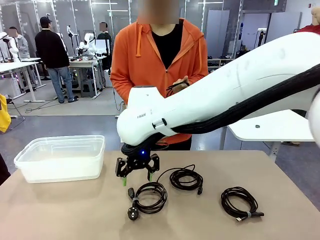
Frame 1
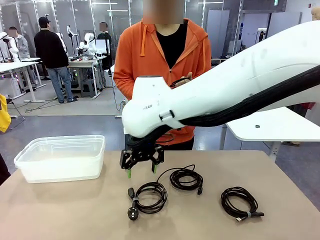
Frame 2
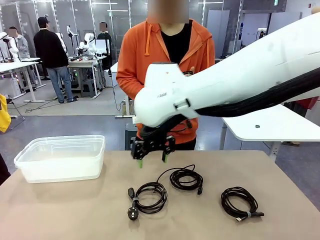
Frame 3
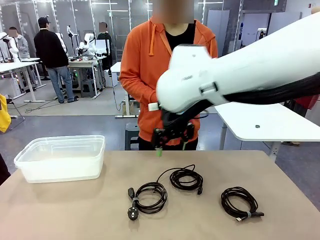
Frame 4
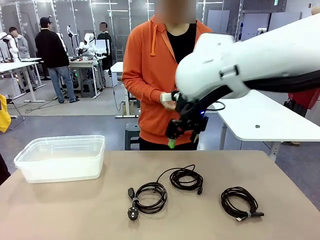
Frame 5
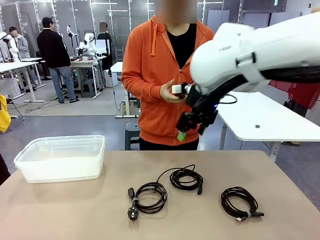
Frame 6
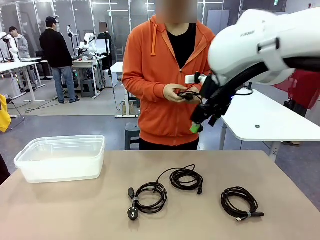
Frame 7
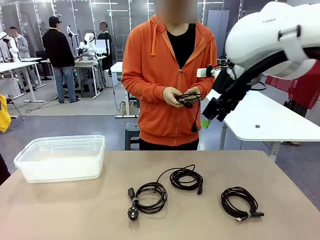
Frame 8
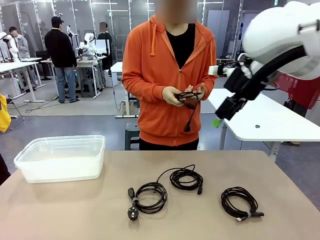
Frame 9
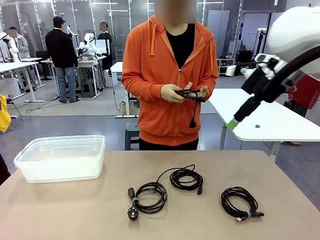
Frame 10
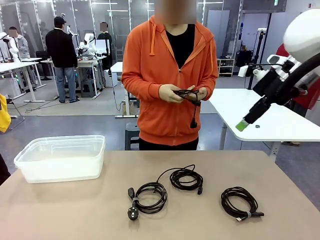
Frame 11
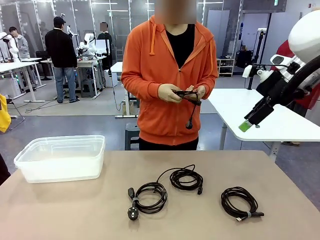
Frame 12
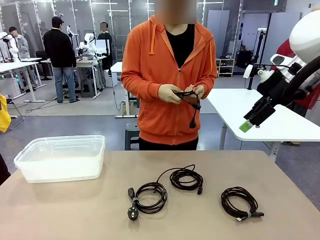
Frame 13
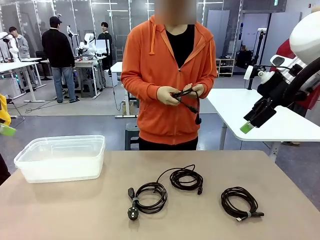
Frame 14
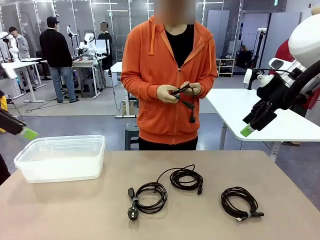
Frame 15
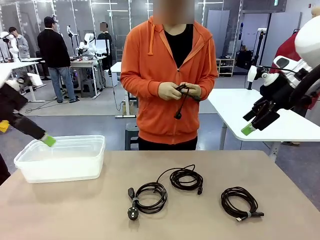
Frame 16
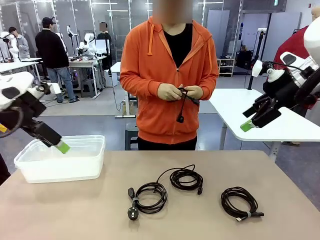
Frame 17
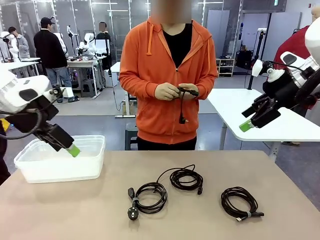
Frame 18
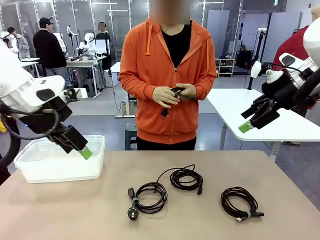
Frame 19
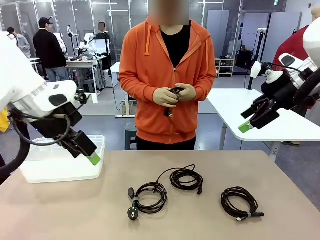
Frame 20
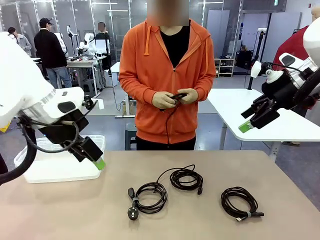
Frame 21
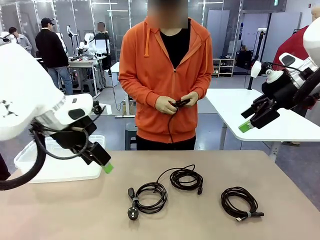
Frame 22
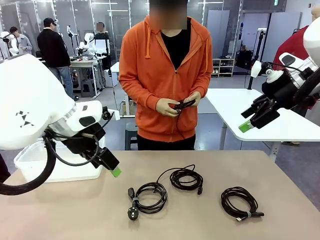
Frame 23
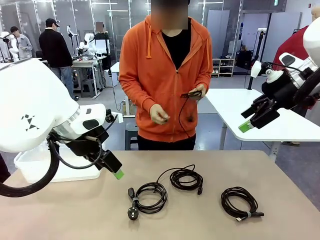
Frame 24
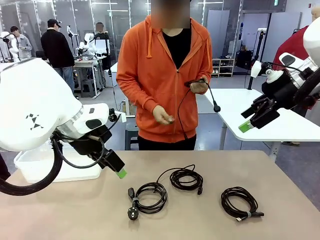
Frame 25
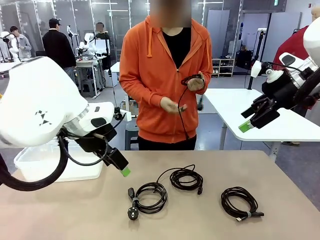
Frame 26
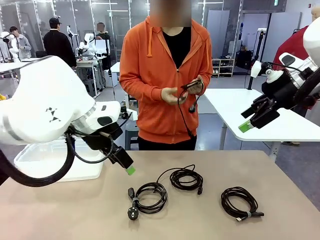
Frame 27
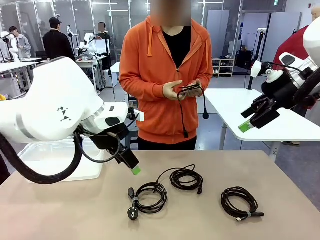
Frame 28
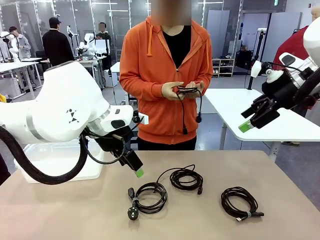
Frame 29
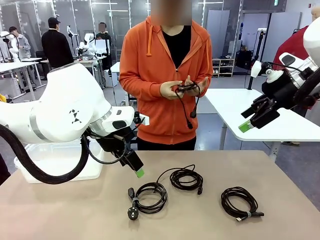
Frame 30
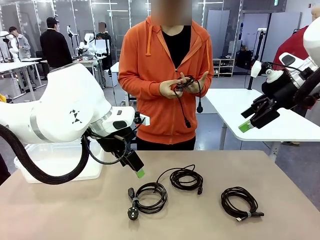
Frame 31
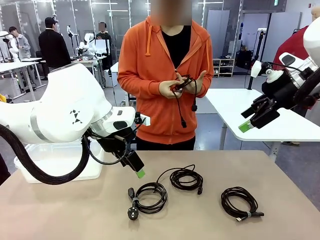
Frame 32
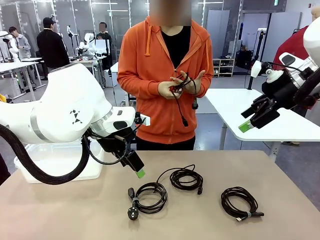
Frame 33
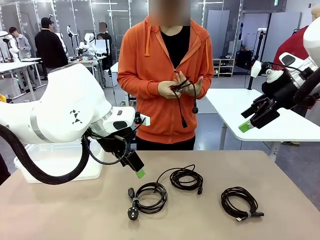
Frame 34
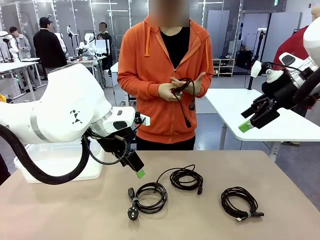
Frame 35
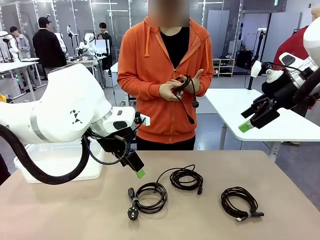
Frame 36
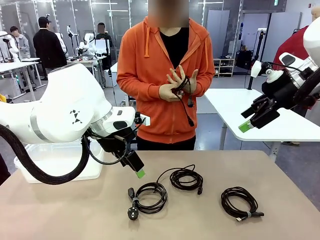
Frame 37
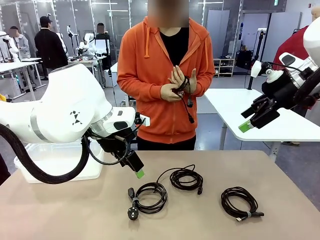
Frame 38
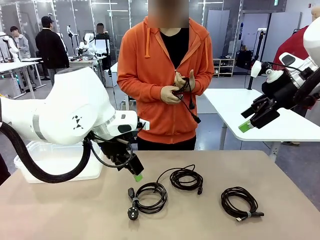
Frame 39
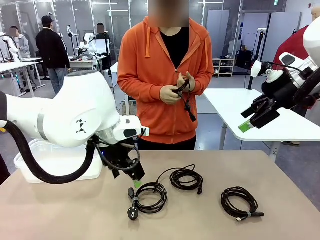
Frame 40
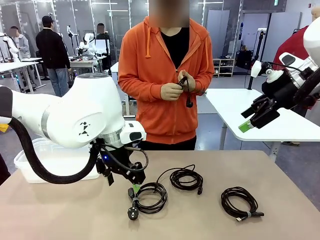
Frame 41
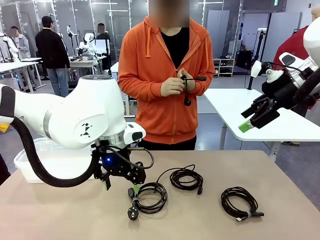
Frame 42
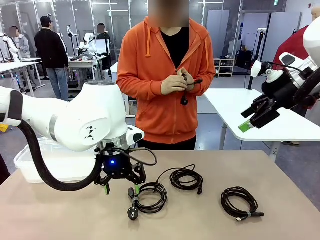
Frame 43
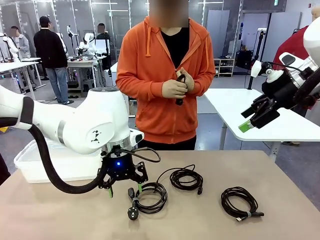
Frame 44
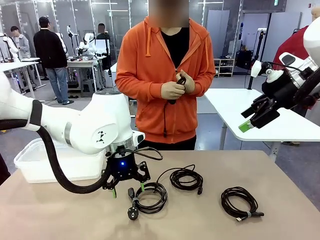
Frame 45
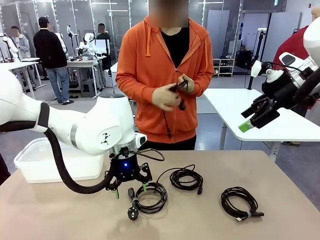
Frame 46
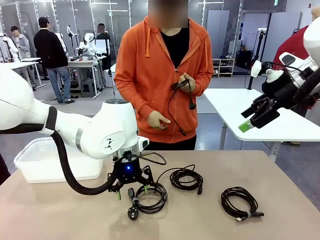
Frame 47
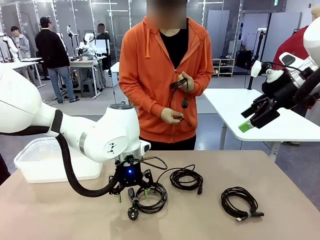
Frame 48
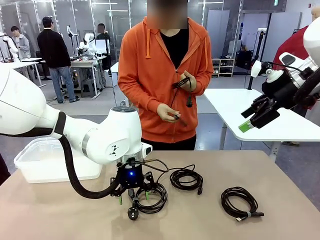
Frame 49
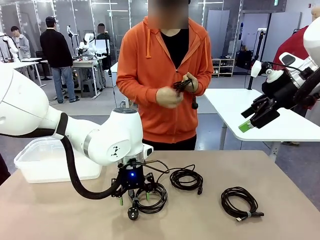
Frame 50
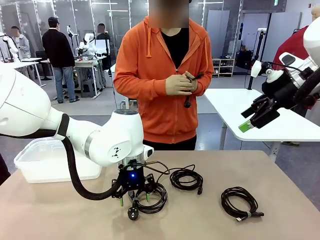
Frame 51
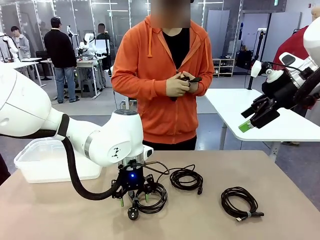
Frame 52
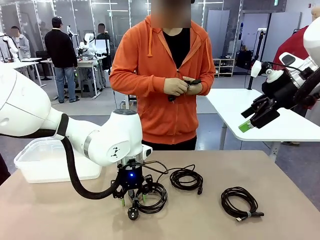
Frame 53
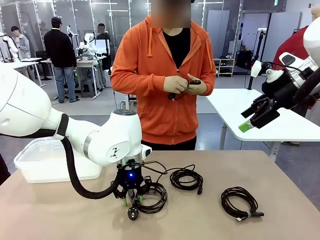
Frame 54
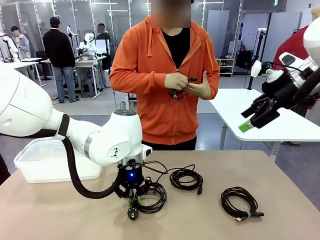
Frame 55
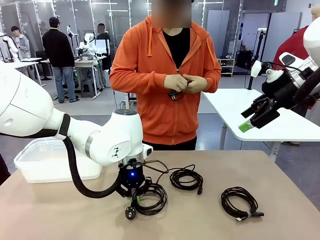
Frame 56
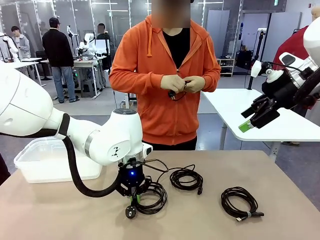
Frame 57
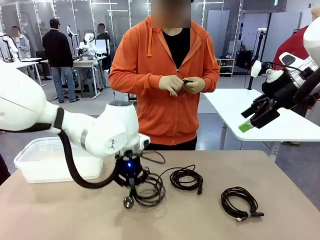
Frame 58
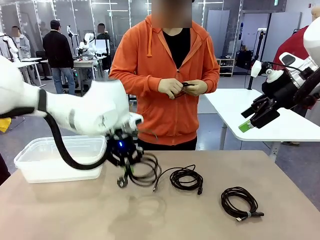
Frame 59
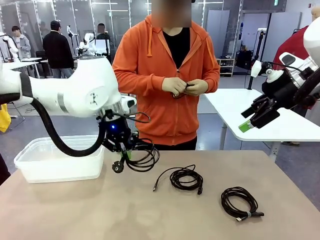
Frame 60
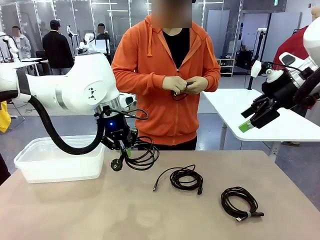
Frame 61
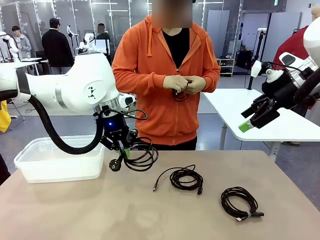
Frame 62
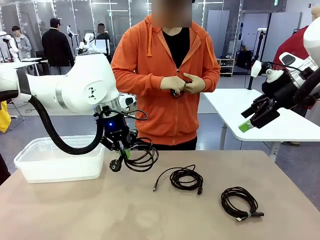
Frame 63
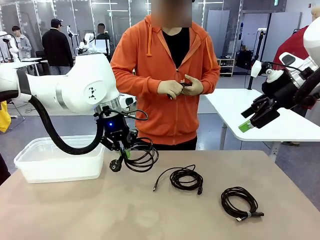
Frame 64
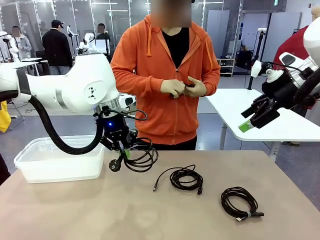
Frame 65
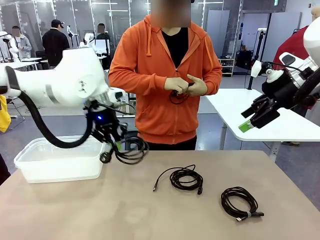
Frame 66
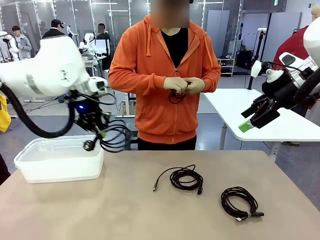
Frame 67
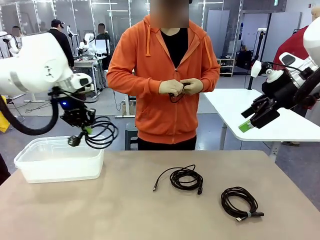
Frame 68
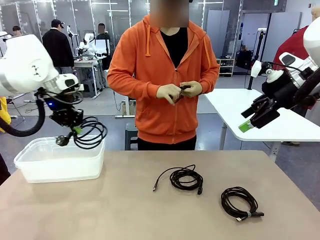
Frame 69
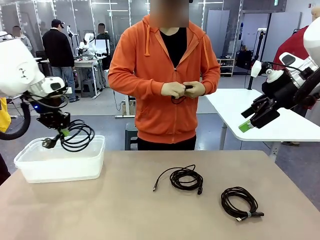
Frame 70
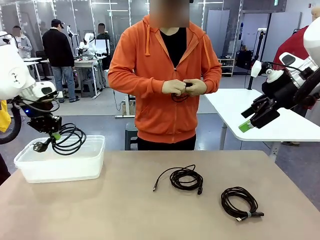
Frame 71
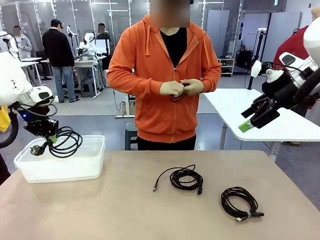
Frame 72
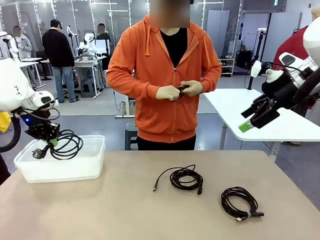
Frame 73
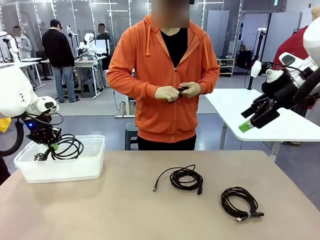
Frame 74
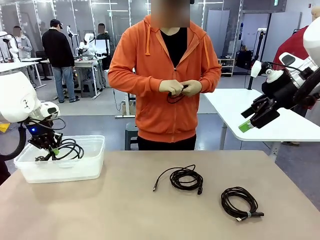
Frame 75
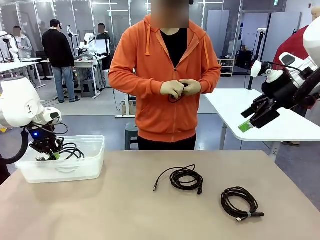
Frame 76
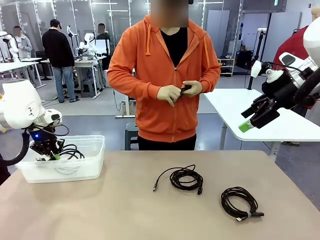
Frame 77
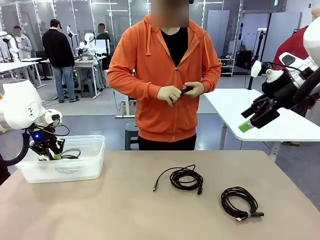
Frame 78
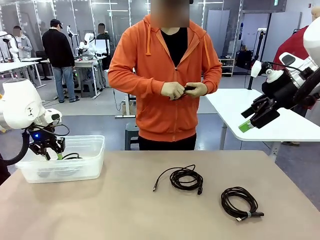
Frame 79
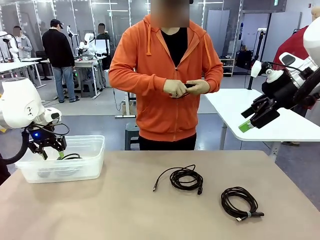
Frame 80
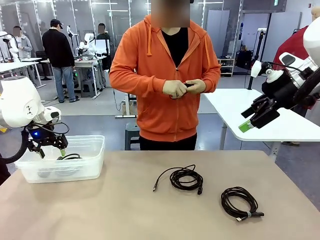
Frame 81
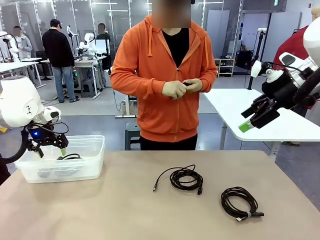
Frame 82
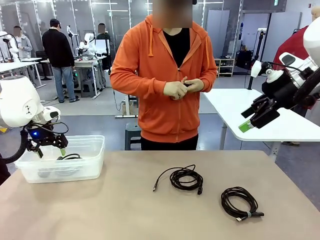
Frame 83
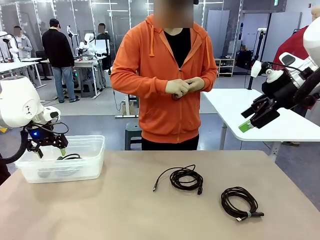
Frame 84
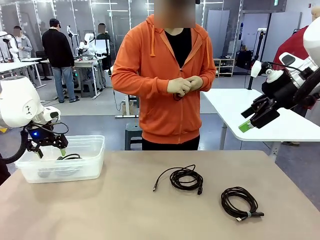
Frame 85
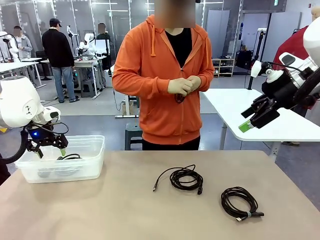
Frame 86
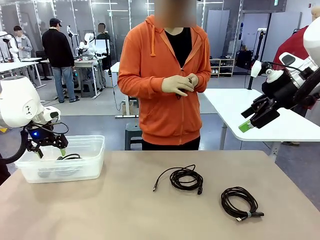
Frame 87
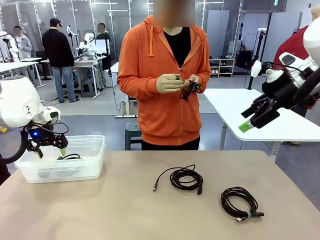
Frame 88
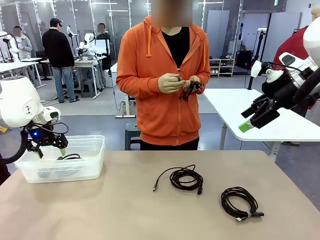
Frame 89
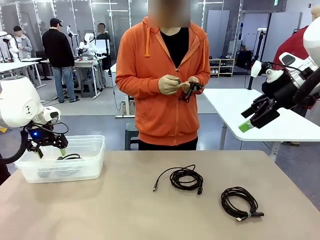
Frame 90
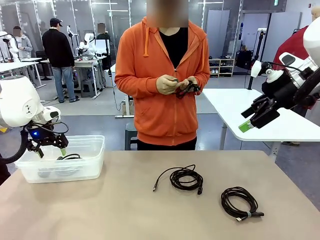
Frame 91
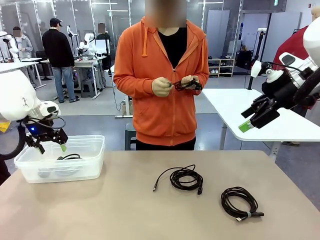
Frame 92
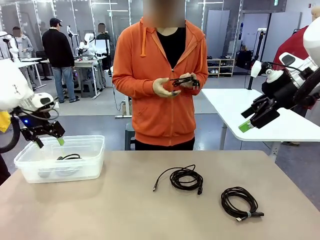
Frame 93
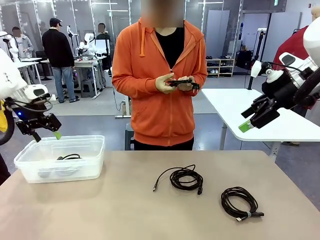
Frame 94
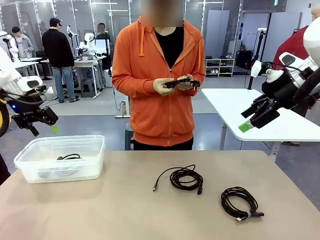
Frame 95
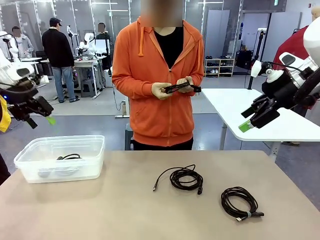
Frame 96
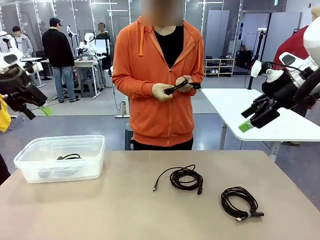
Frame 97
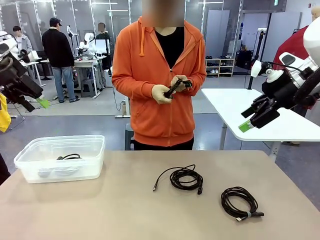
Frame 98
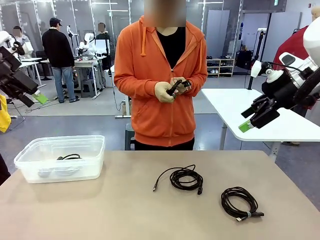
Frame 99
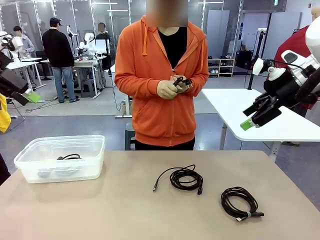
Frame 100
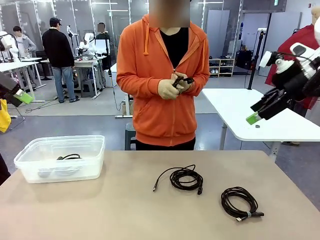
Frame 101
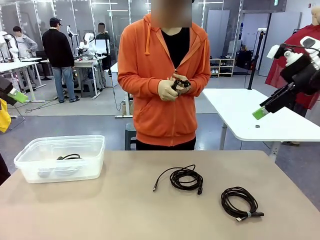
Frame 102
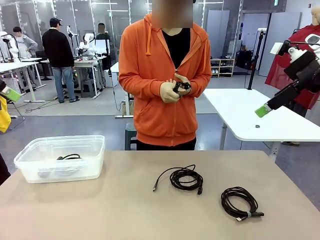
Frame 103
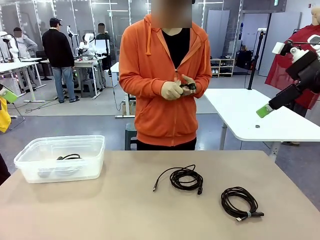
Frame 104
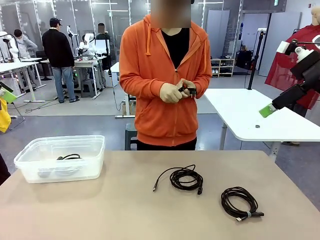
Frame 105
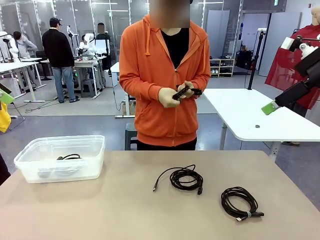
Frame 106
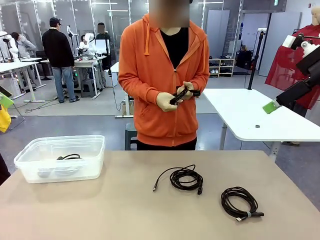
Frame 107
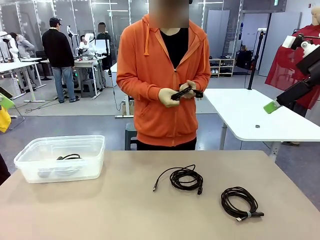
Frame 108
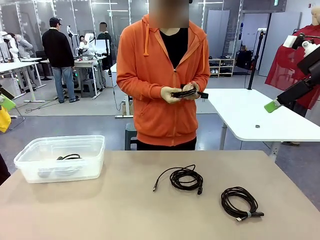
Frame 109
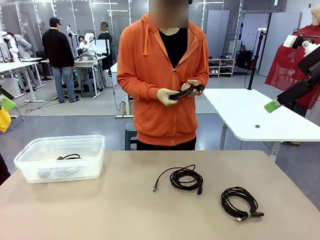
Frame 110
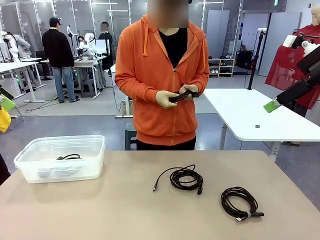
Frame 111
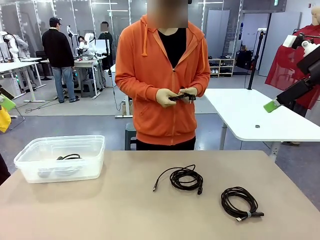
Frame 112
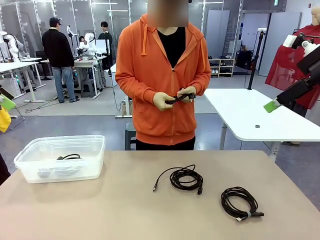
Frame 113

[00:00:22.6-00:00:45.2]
Task: Organize and store the cables.
Robot: Place the Power Cable into the Organizing box.
